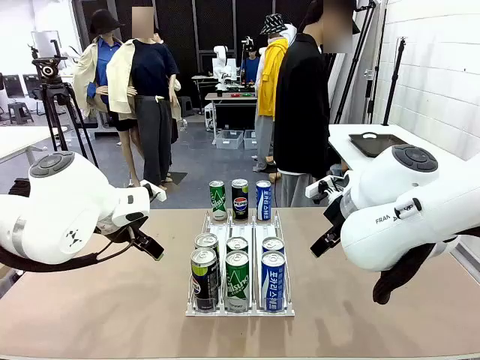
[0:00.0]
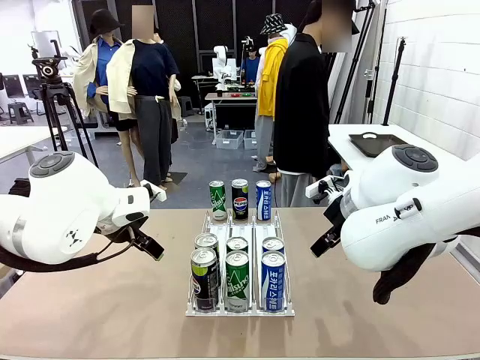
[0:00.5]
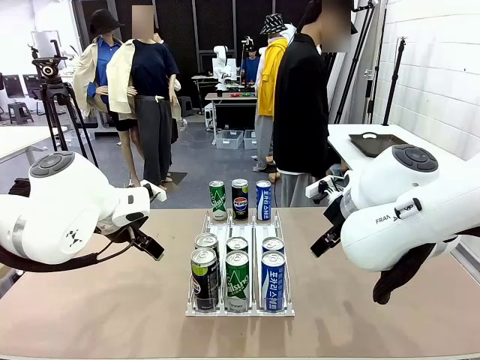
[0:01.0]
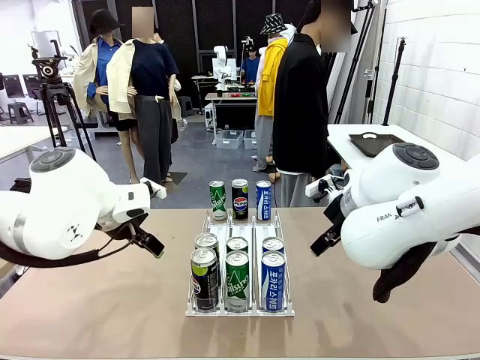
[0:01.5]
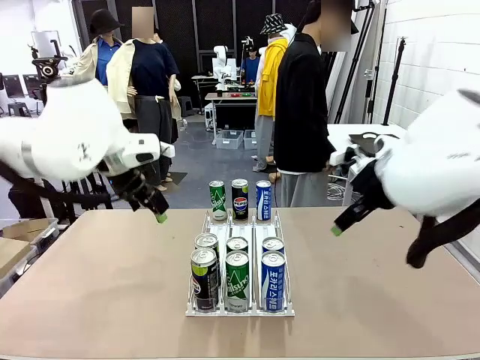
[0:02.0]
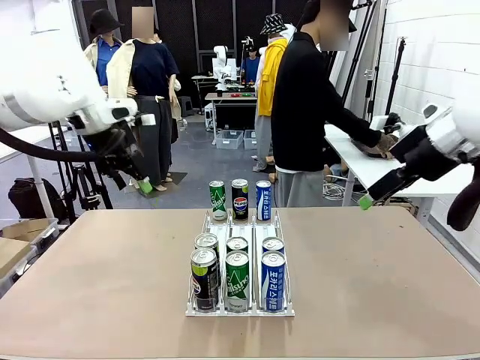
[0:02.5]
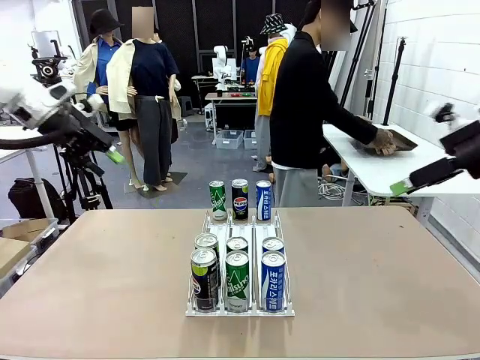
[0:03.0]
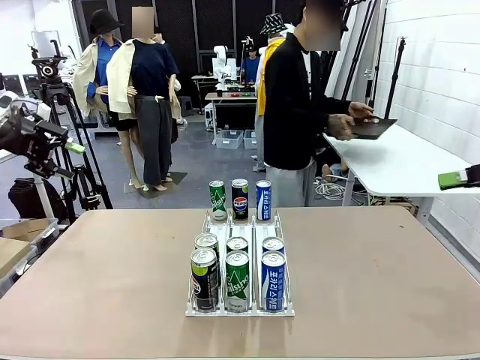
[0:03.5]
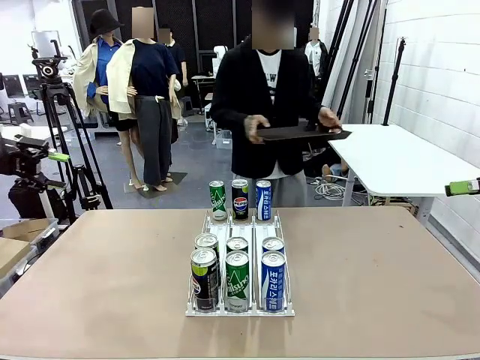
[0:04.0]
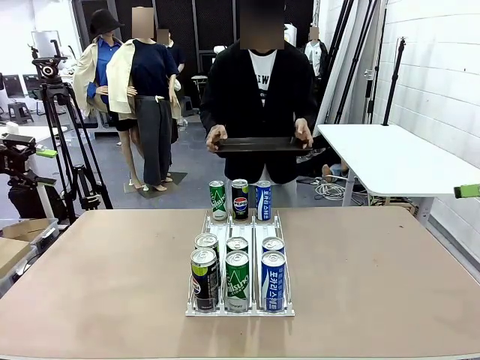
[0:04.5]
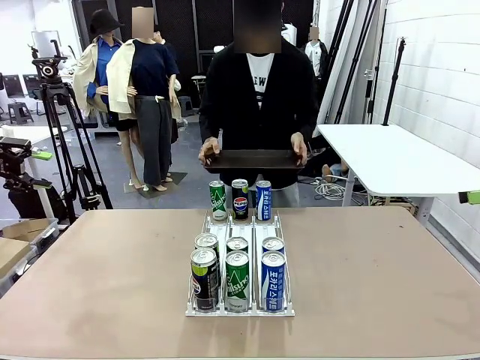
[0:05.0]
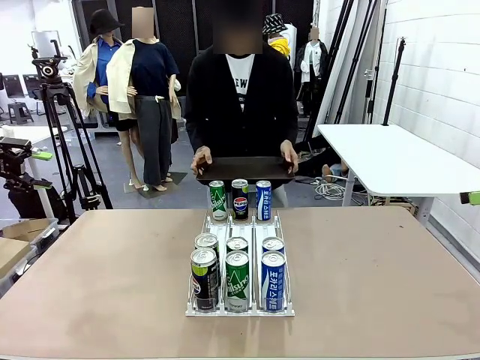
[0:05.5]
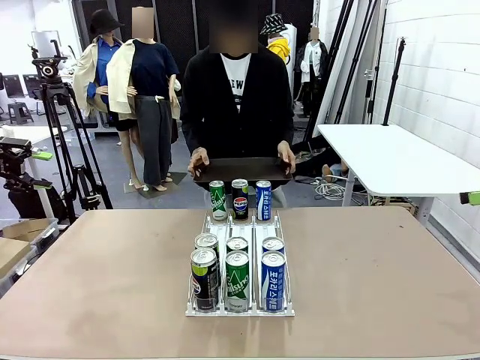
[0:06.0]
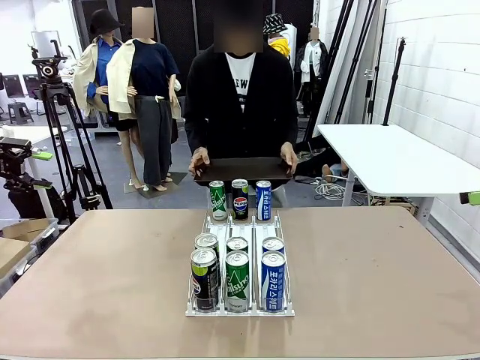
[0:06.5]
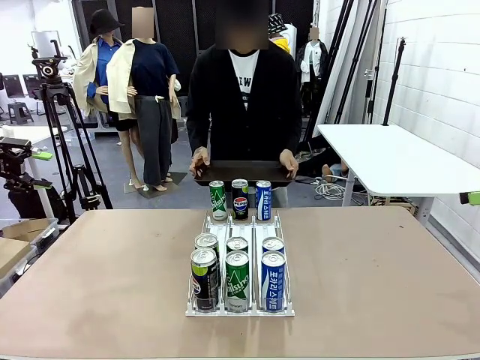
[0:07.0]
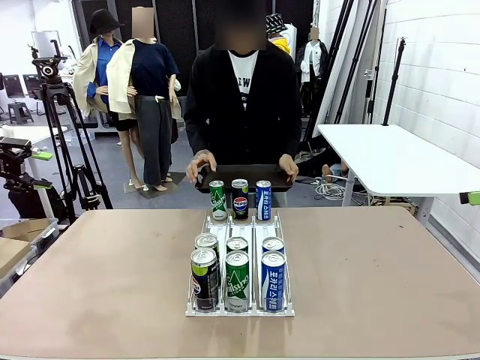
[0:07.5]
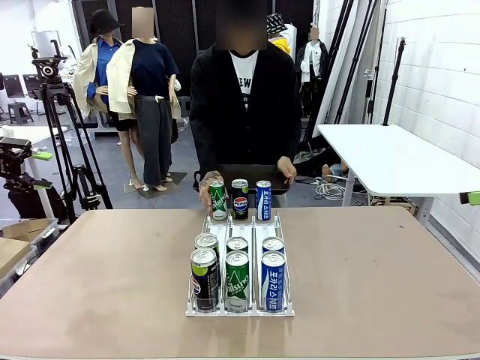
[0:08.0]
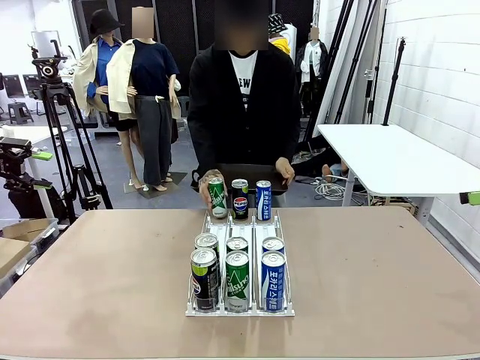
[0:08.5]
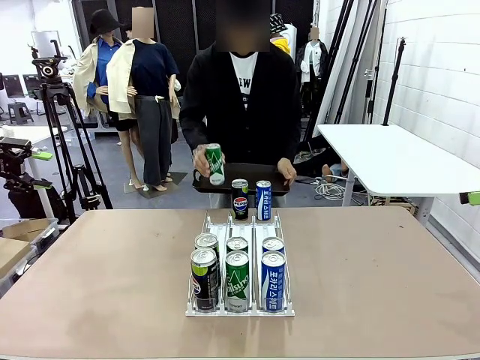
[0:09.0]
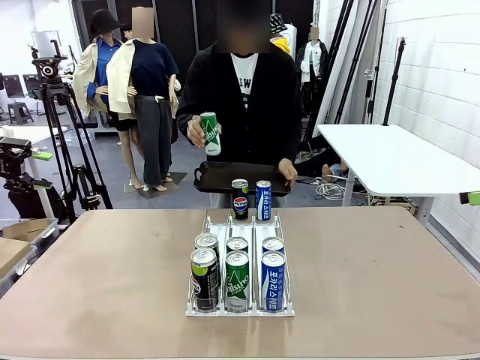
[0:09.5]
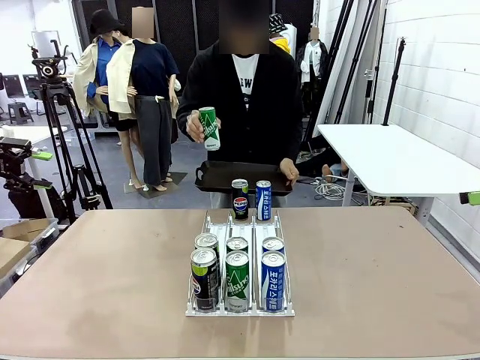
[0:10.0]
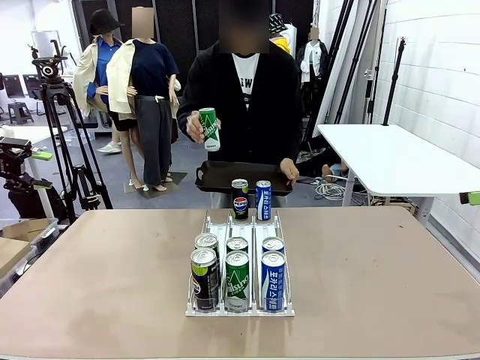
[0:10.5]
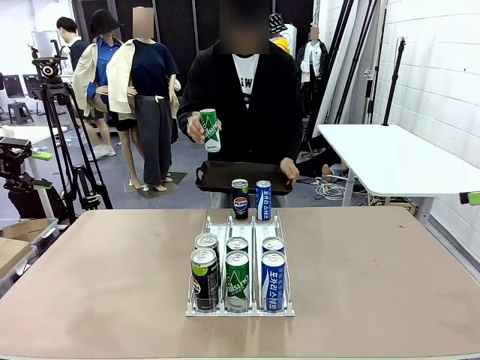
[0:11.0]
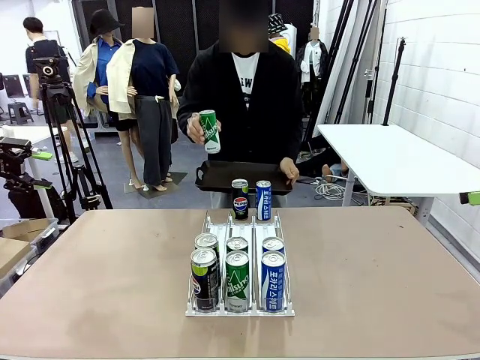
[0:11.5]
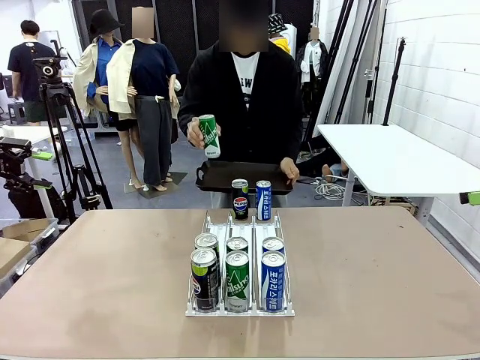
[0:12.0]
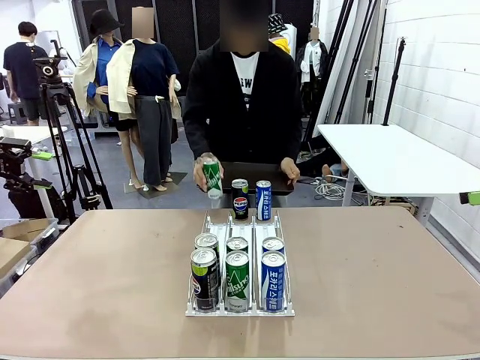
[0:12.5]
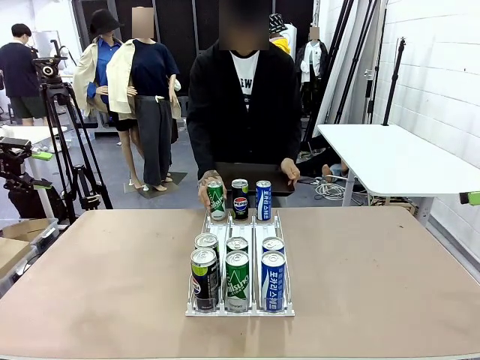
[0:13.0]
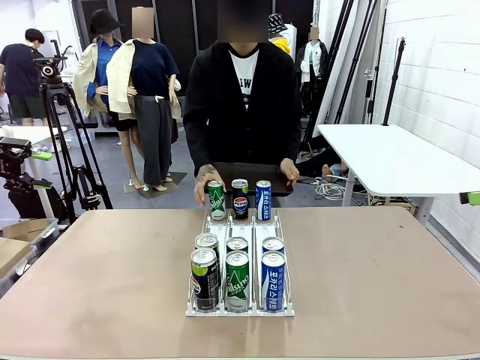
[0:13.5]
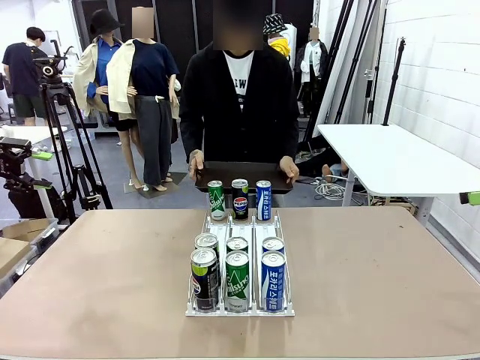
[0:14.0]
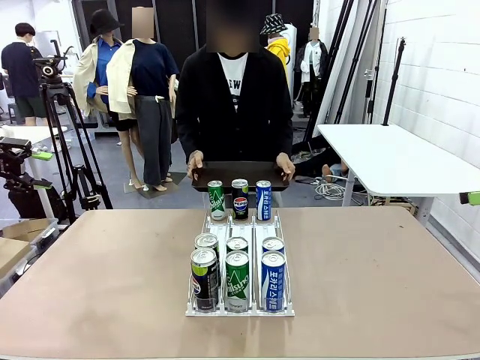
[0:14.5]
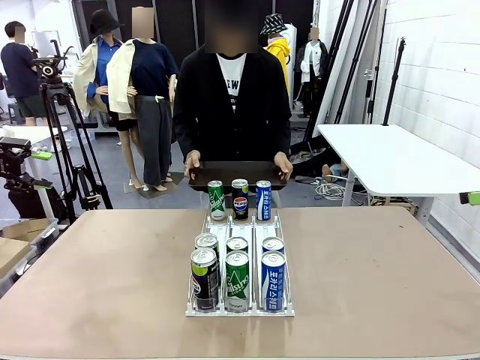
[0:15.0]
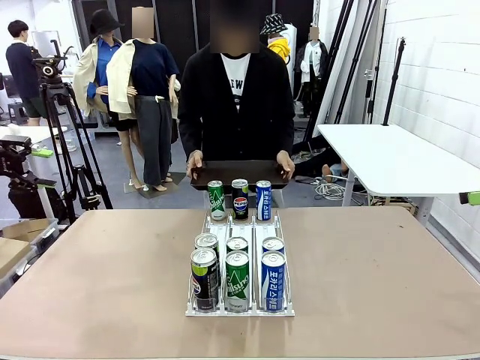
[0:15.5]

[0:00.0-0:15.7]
Task: Retrieve and hand over the desired beverage to the person.
Robot: Pick up a can of the same type that the person held from the Automatic Can Dispenser.
Person: Hold the tray and position yourself in front of the robot table. Pick up one can from the bottom area of the table and puts it back in its original place.

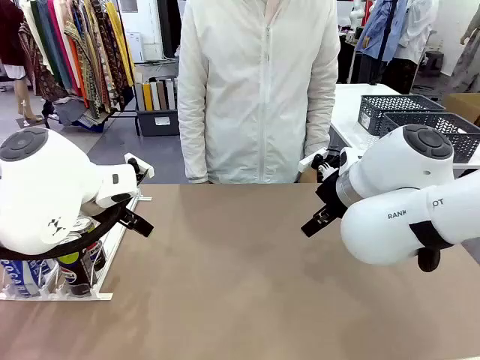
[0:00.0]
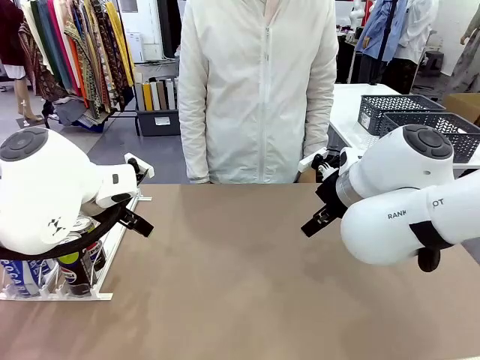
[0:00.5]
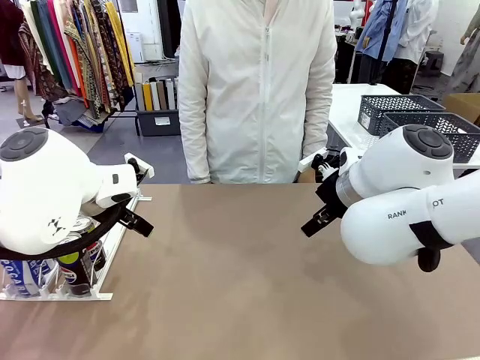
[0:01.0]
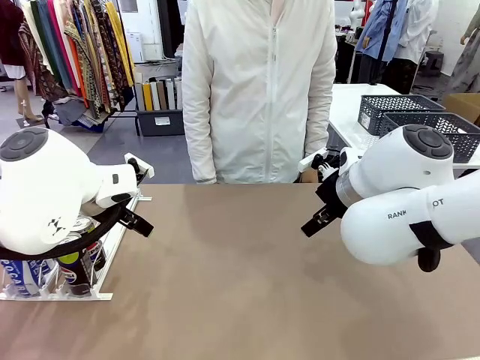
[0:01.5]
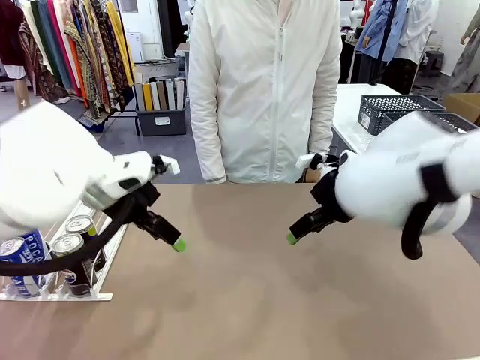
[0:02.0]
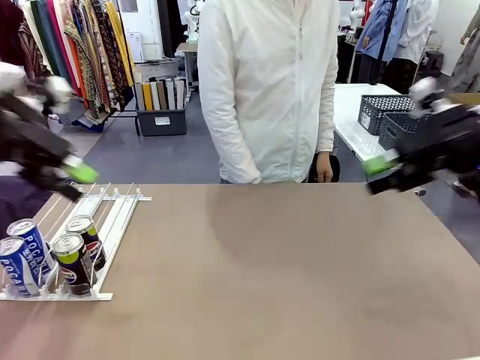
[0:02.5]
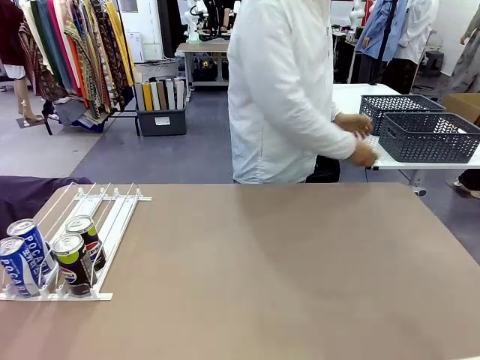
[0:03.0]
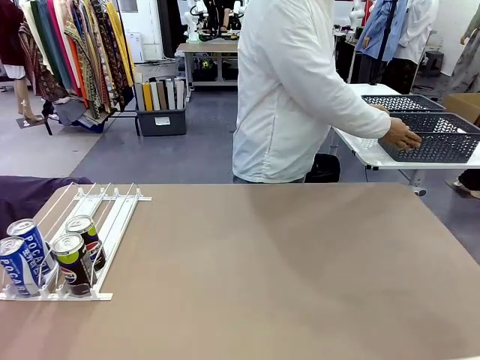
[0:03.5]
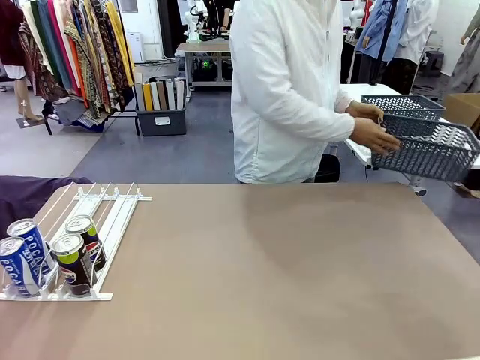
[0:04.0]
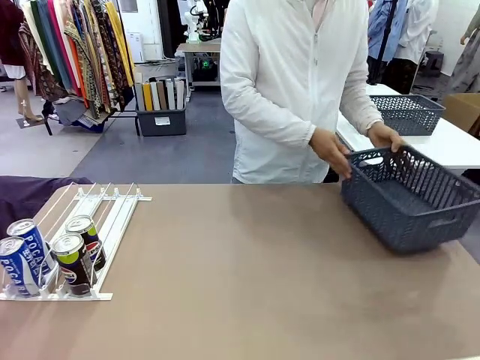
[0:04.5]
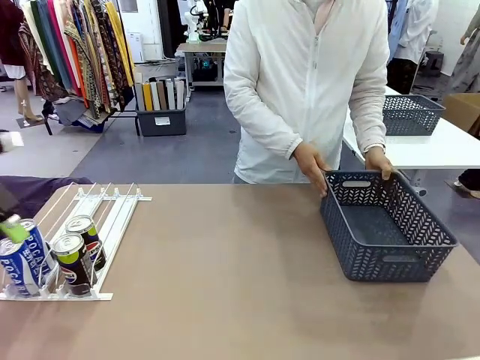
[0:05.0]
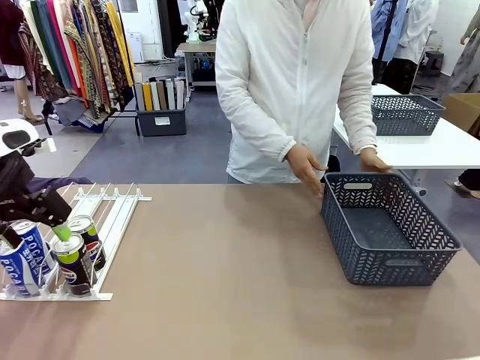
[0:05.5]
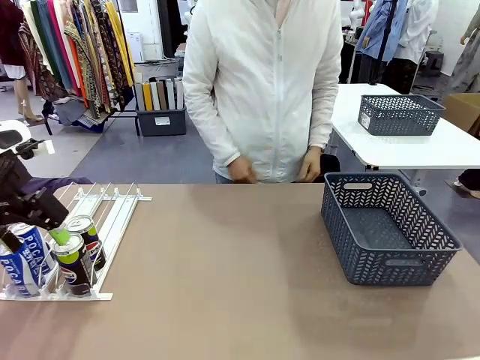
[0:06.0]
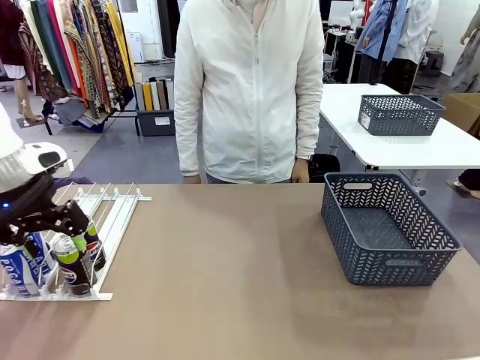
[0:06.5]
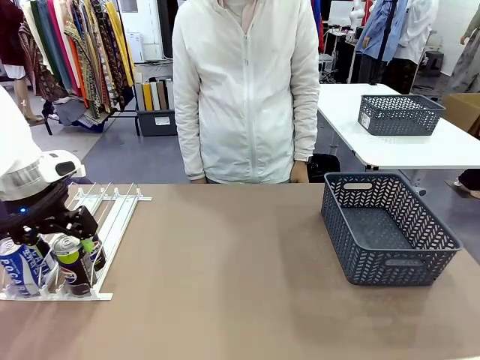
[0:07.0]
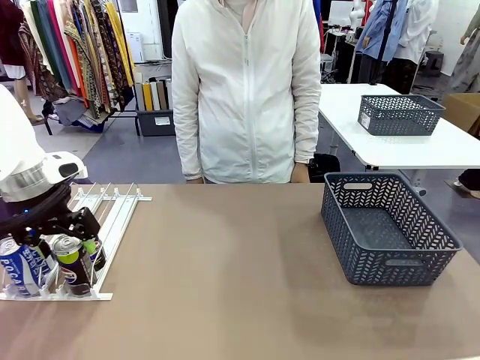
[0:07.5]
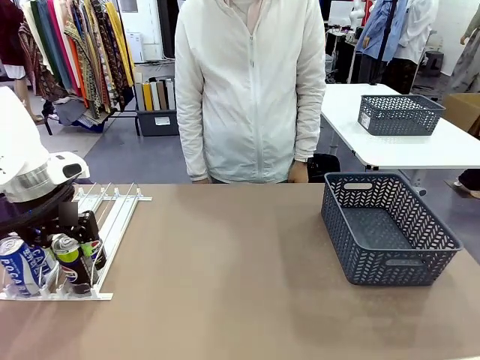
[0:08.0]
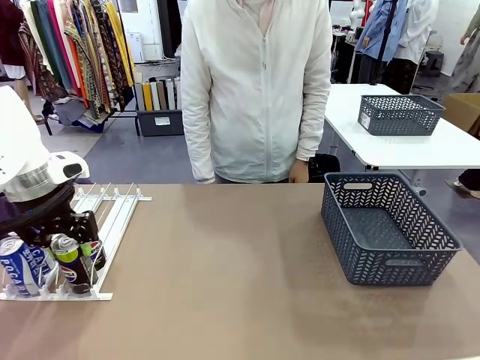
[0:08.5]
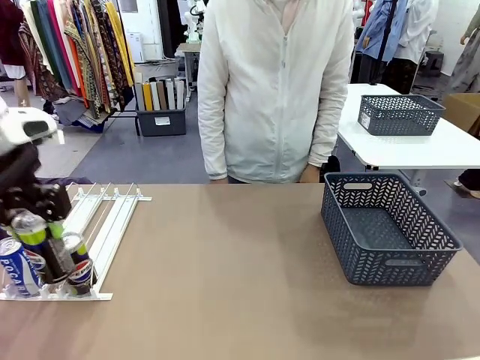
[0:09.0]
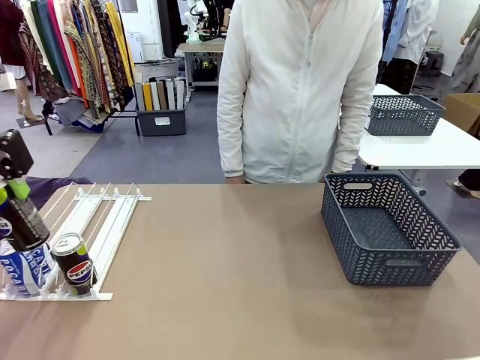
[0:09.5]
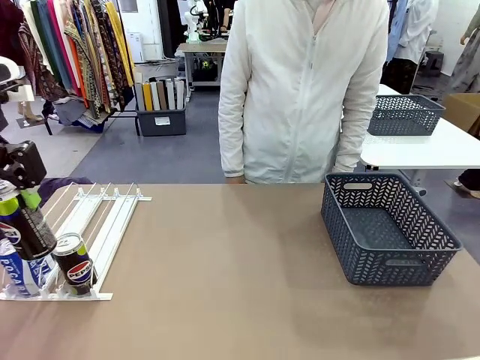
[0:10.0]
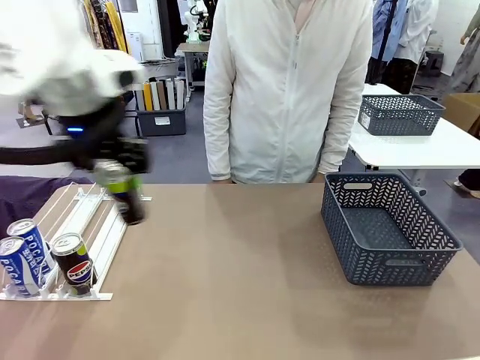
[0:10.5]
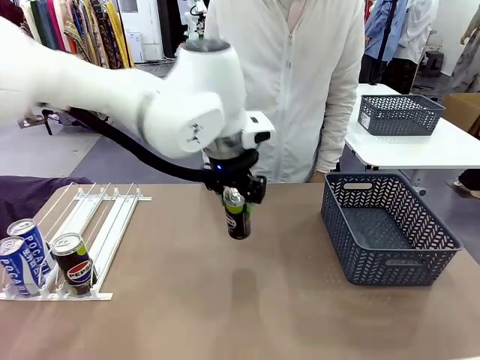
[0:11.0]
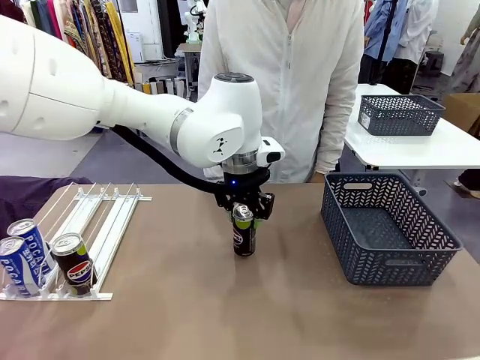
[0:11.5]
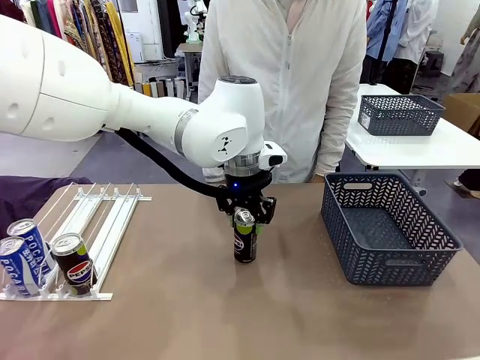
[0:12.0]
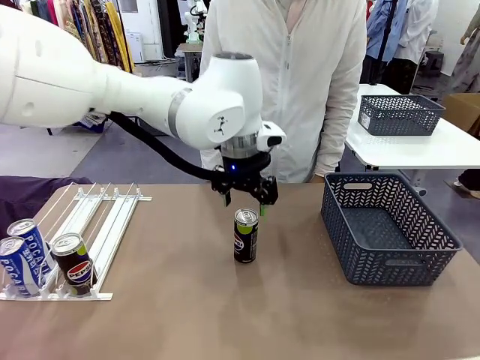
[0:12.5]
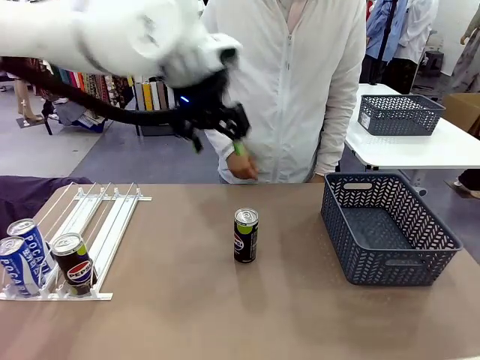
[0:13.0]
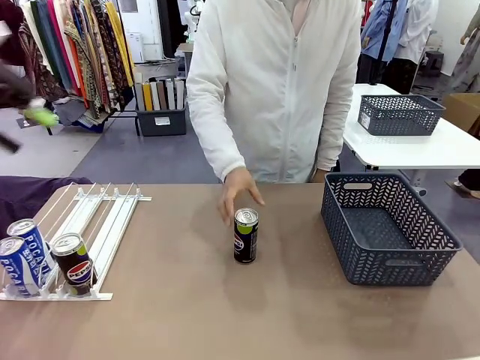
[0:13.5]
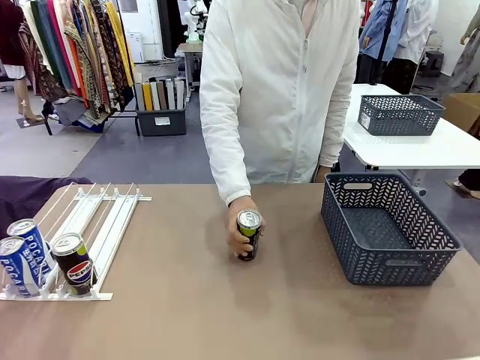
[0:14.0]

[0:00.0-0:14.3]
Task: Retrieve and store the cans from the dispenser.
Robot: Pick up one can from the Automatic Can Dispenser and place it in the middle of the table.
Person: Pick up the basket and place it on the left side of the robot table.
